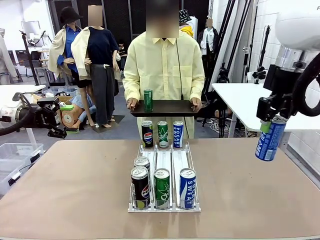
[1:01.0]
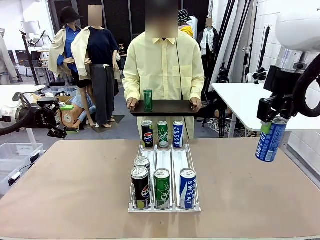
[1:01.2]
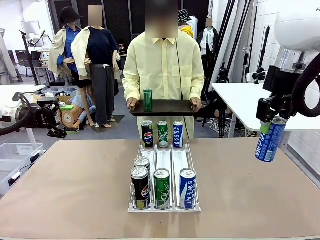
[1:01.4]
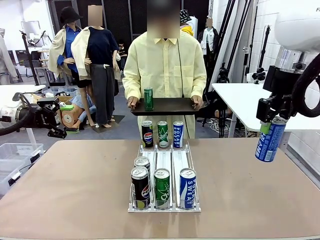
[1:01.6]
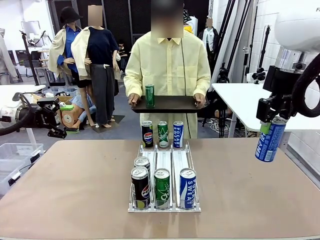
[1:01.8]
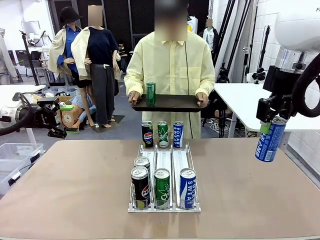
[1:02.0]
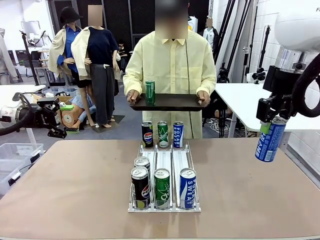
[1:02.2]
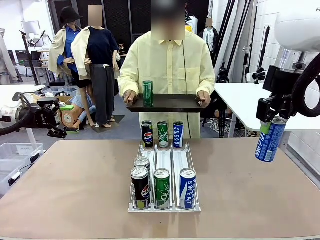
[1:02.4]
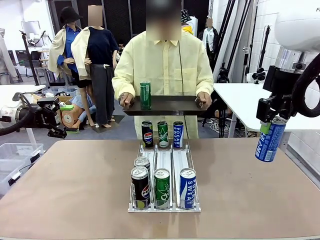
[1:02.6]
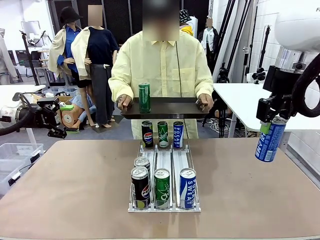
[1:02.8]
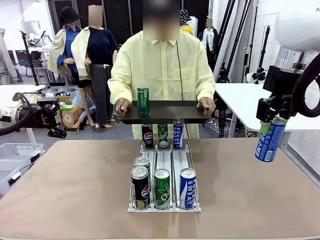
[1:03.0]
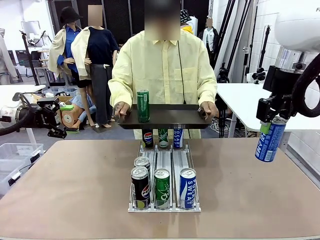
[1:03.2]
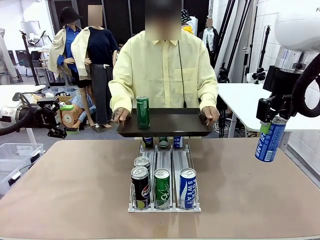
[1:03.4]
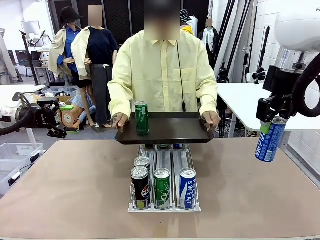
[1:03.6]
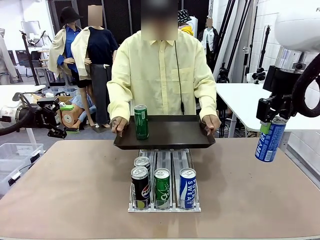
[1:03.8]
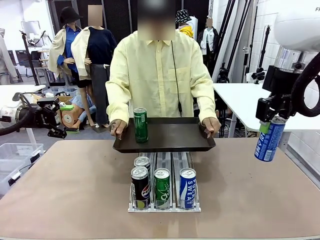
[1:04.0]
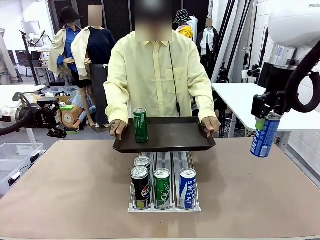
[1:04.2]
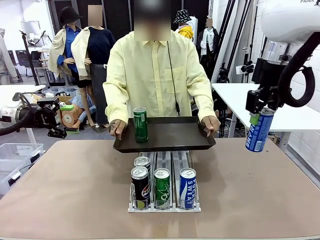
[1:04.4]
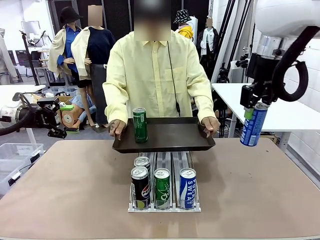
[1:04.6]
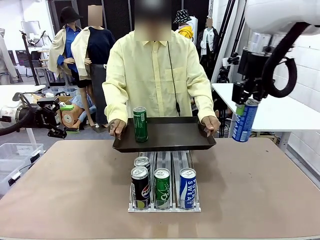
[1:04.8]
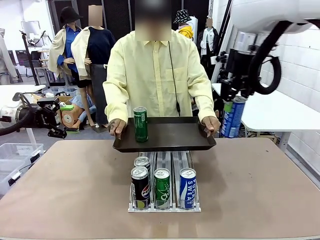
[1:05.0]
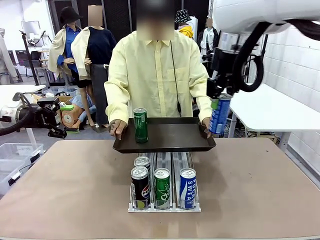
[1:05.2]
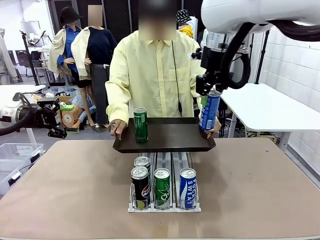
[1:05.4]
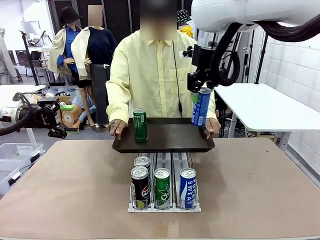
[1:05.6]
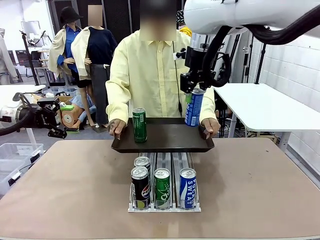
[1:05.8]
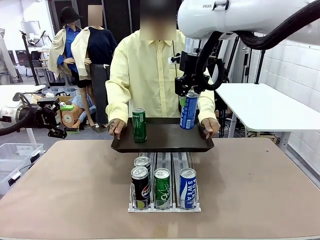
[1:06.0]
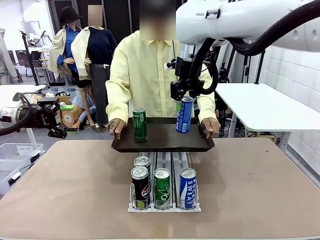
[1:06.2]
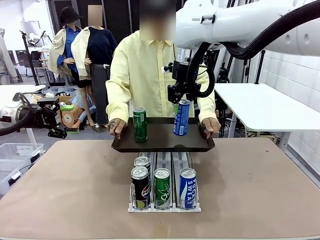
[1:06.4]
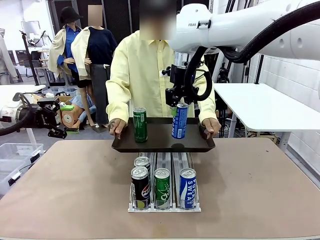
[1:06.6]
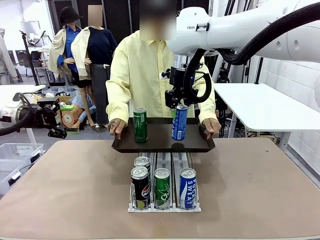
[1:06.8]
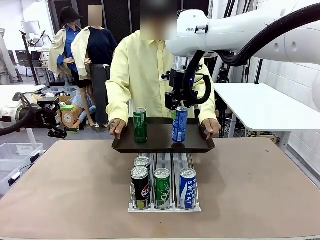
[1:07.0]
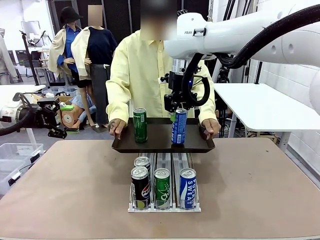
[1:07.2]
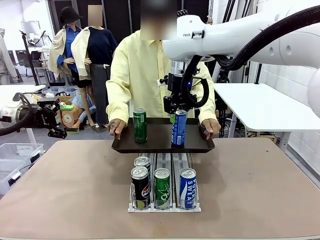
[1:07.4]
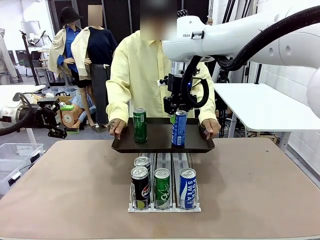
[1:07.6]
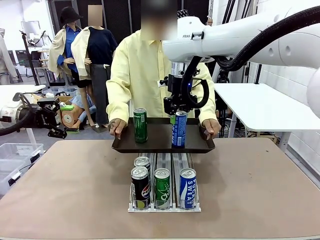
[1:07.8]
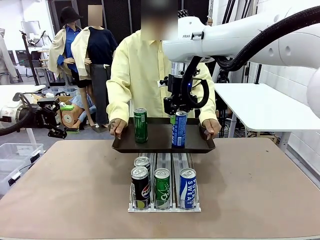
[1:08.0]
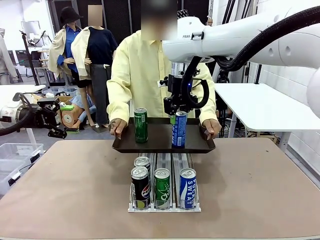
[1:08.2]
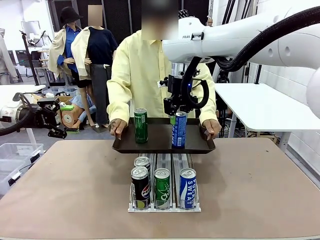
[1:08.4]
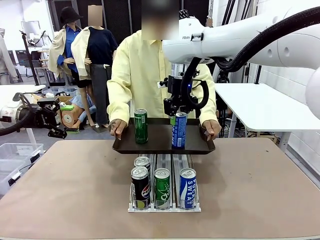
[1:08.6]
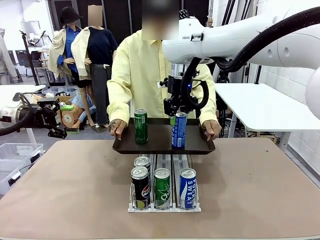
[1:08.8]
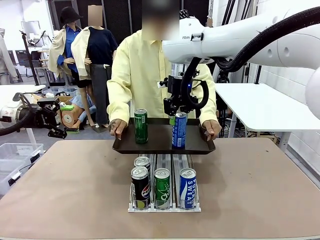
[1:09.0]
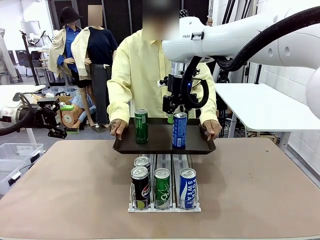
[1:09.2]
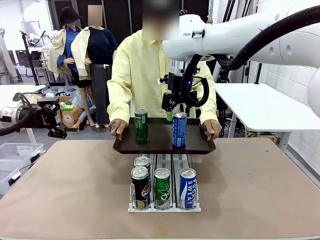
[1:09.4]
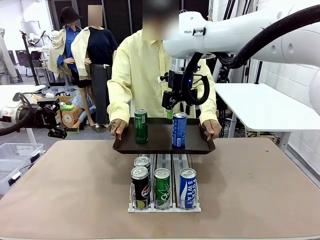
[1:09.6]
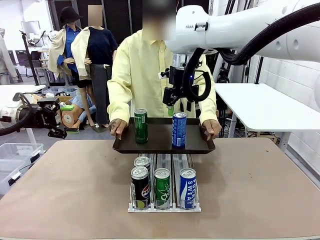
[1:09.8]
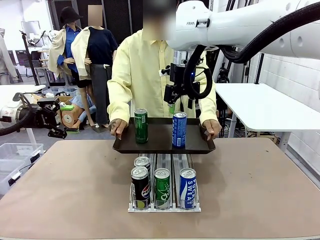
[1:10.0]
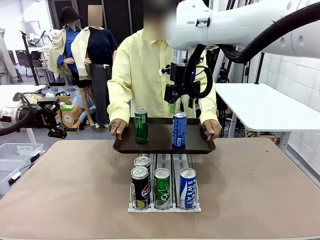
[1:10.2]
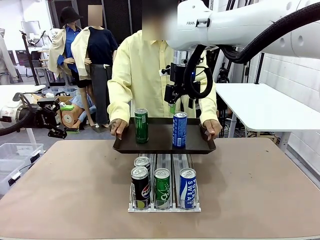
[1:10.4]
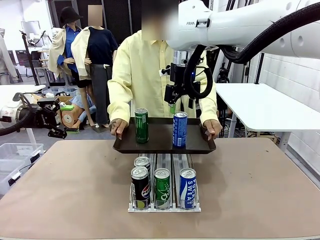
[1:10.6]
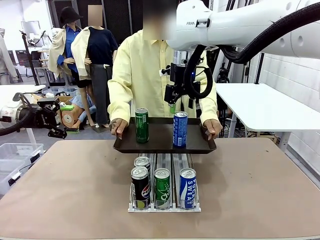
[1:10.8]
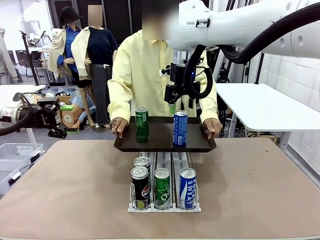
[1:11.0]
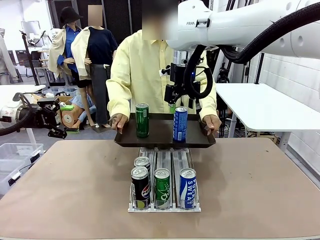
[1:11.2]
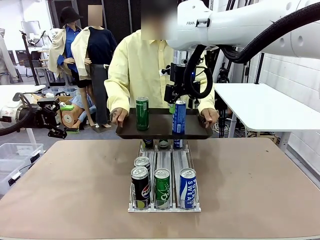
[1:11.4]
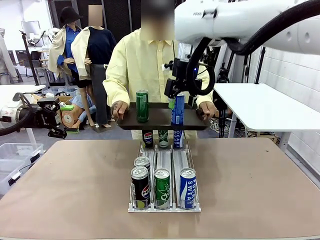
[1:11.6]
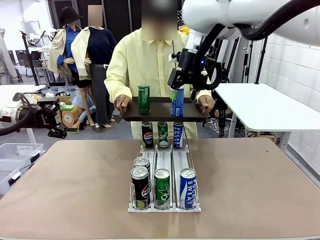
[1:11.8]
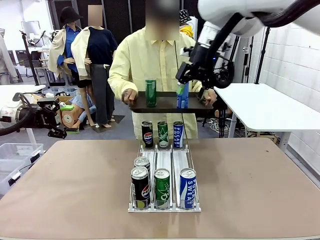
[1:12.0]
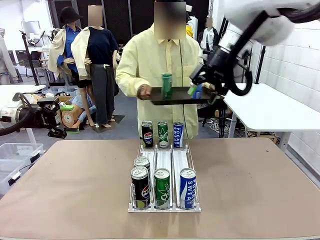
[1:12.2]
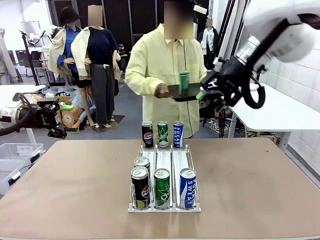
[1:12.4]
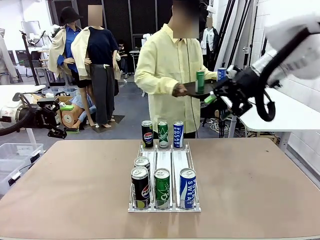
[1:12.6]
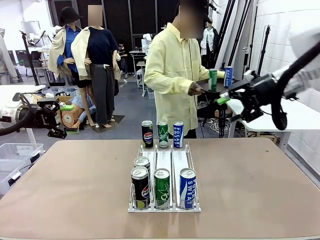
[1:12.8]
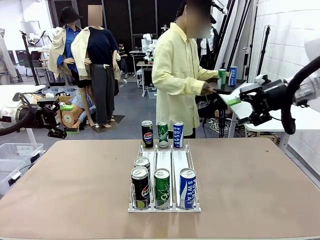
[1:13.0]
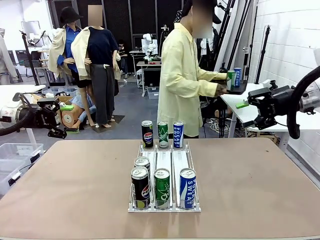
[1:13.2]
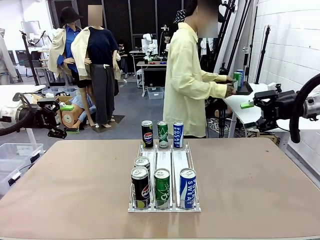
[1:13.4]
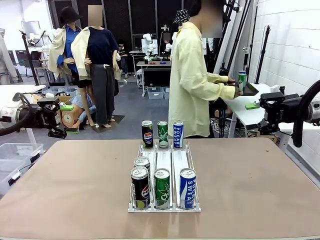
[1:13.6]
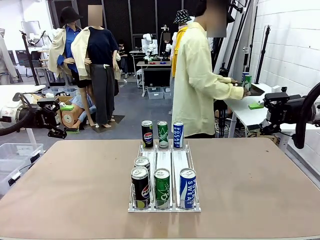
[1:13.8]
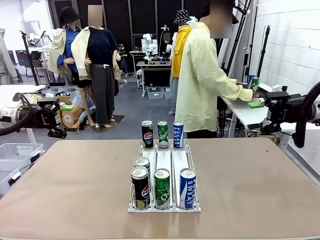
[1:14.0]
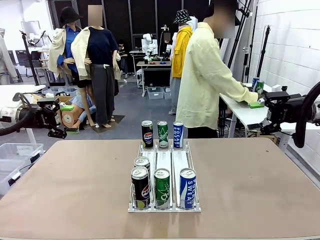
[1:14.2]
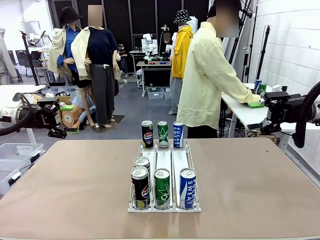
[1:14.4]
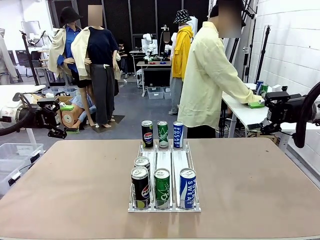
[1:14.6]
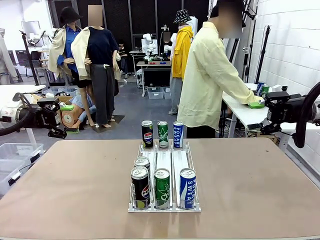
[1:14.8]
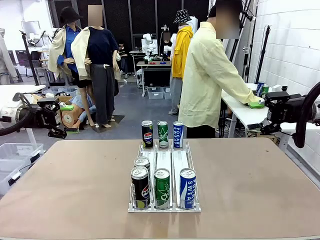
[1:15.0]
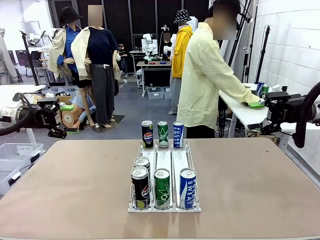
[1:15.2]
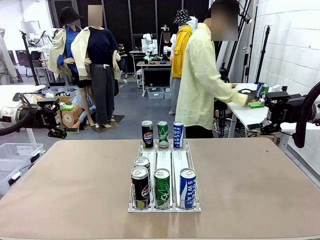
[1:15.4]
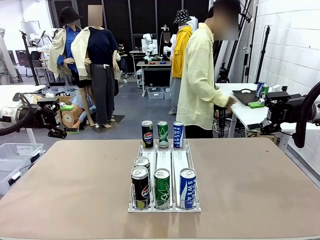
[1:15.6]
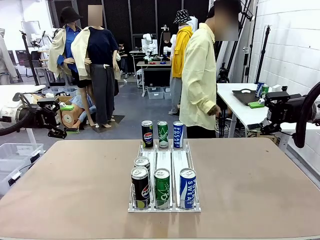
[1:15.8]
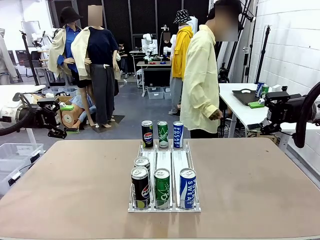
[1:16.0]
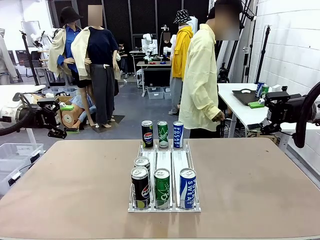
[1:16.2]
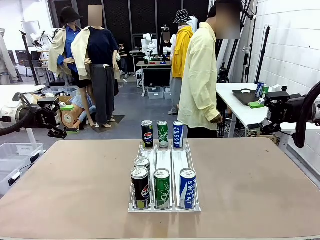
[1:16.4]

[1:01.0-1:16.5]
Task: Retrieve and hand over the desired beverage to the person.
Robot: Place the picked can on the Handle tray extended by the person.
Person: Pull the tray back and place it at the center of the human table.

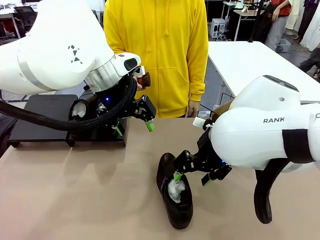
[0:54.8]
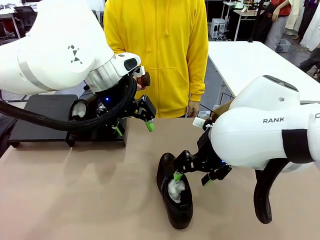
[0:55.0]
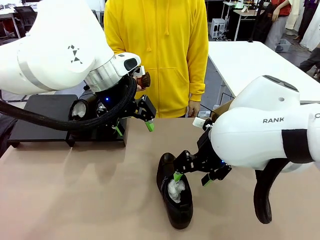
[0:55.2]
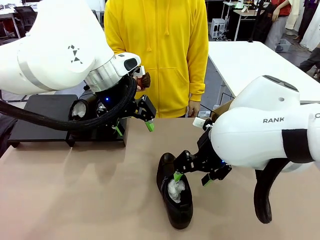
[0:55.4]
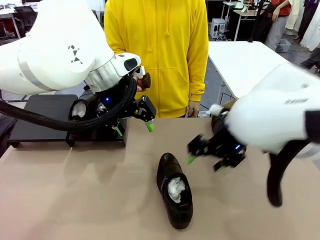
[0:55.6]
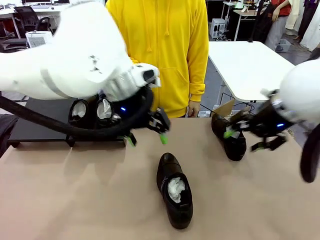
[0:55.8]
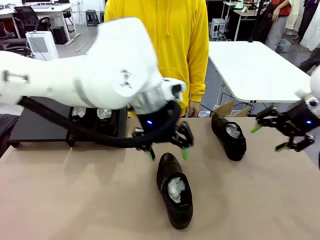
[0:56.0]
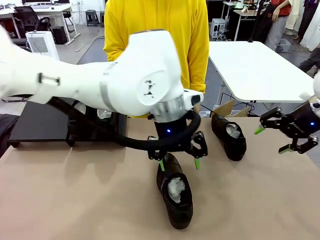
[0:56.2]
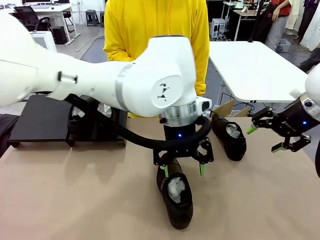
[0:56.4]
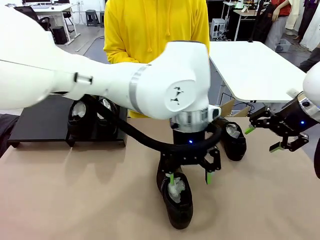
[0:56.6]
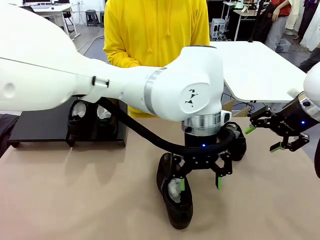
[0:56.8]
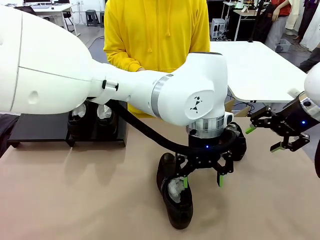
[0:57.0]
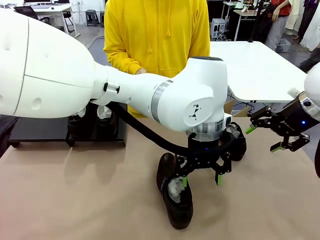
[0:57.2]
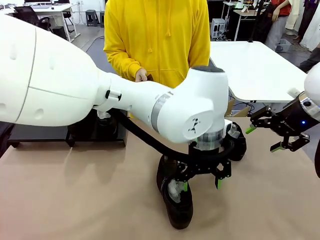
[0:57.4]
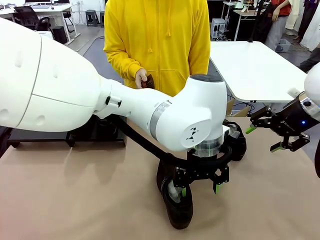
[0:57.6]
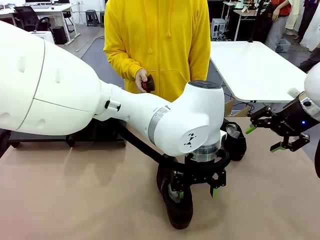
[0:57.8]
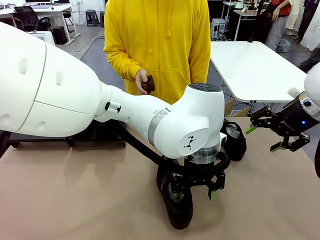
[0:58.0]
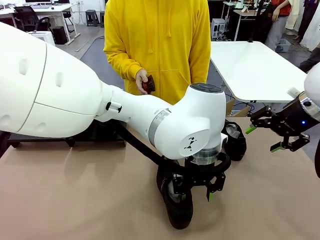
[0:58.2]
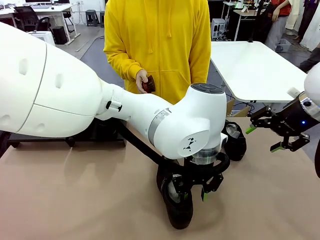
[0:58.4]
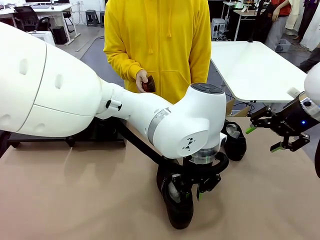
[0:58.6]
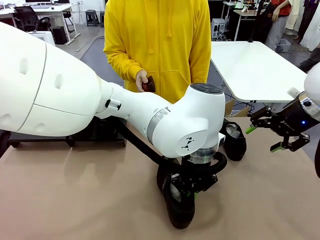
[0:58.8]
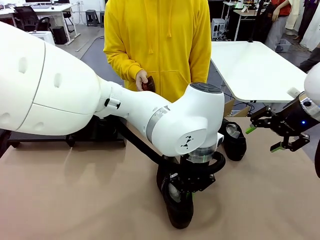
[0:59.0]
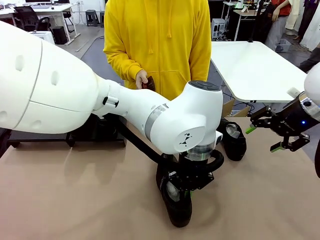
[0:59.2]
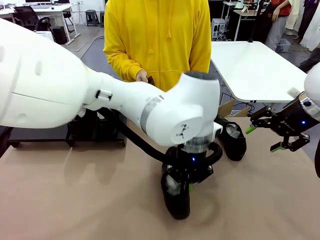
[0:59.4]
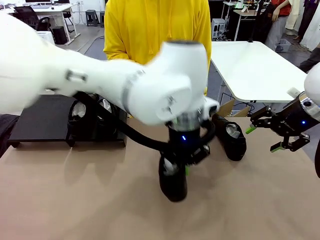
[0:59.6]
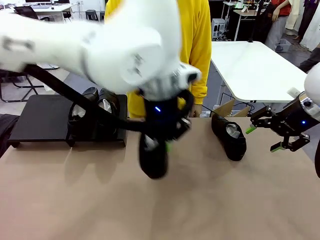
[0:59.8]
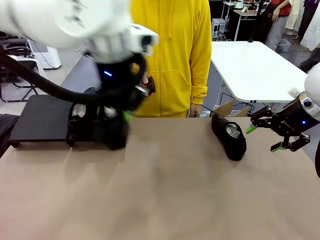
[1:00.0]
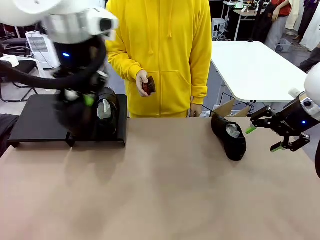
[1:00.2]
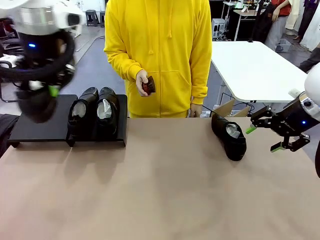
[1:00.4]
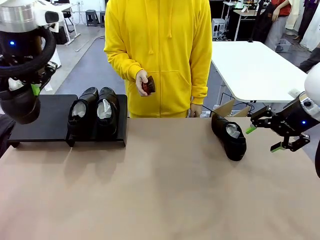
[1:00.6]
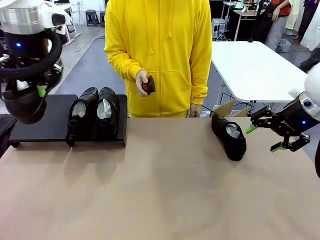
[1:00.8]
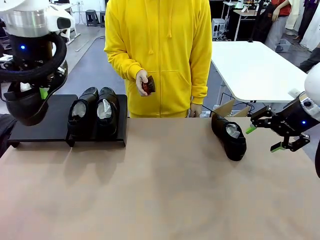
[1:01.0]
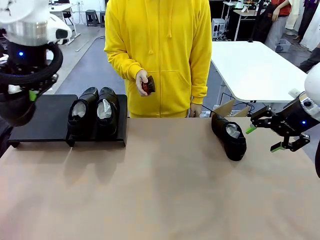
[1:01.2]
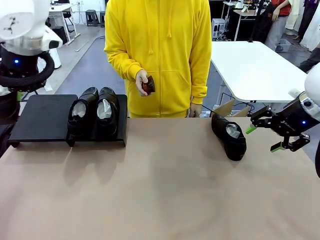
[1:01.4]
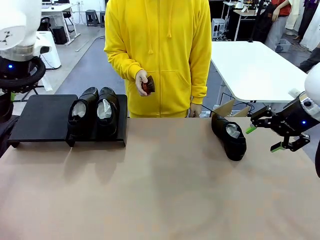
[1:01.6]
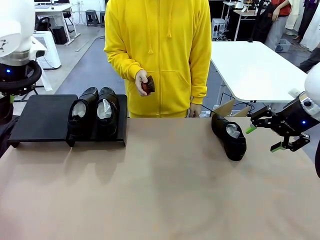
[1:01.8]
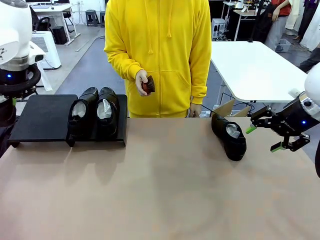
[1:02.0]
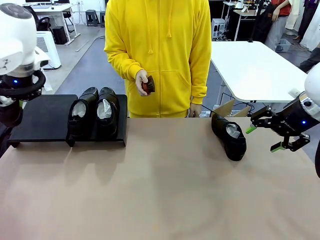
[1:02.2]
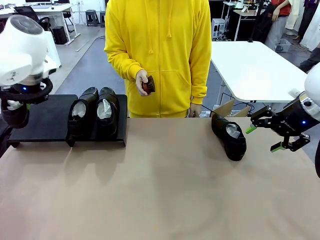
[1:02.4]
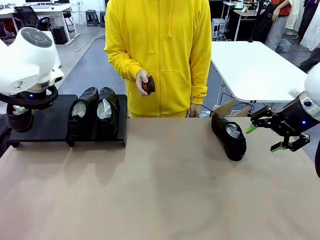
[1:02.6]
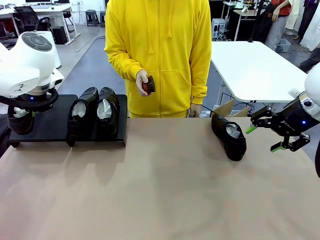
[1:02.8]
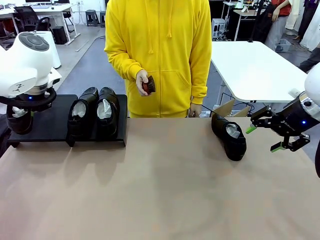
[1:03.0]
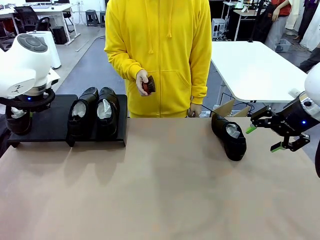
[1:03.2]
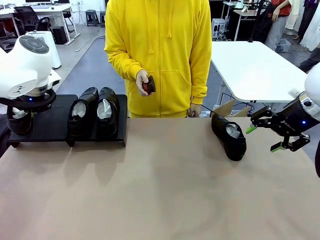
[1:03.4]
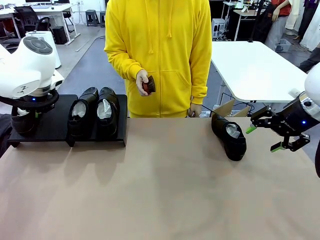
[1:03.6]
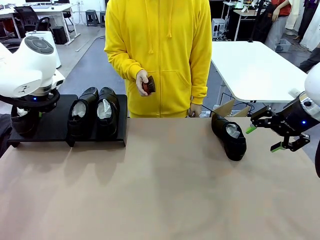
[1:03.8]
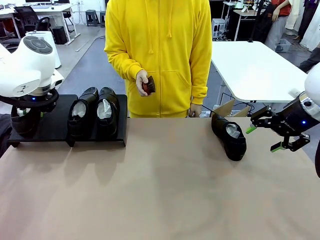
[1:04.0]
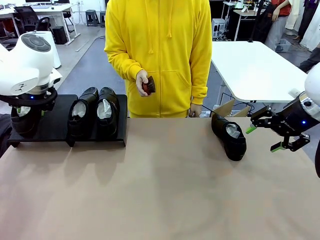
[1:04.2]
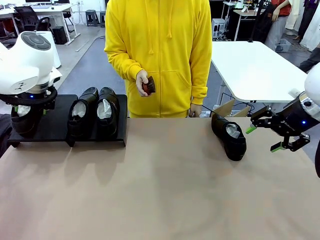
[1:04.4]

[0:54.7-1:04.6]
Task: Organize the shoes by placing them on the stand.
Robot: Place the Shoe from the middle of the table onto the Shoes Stand.
